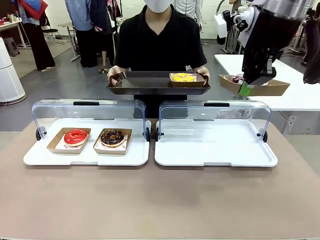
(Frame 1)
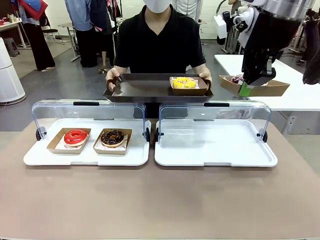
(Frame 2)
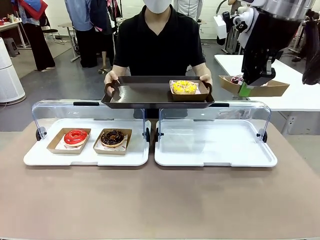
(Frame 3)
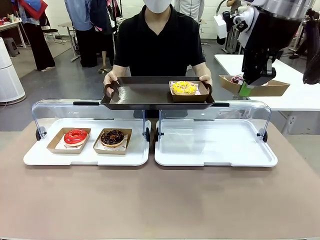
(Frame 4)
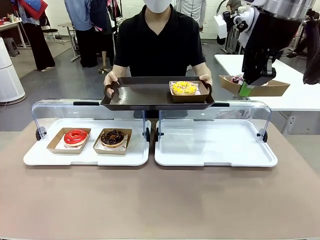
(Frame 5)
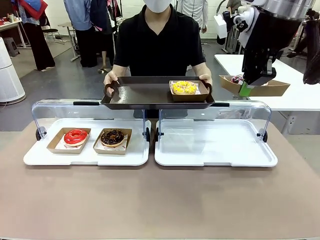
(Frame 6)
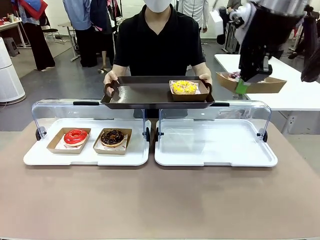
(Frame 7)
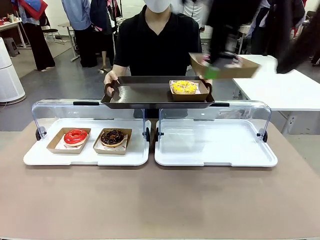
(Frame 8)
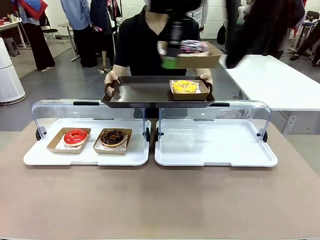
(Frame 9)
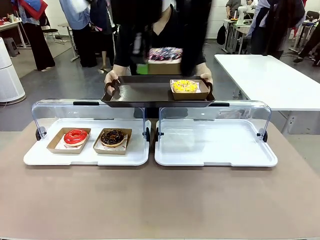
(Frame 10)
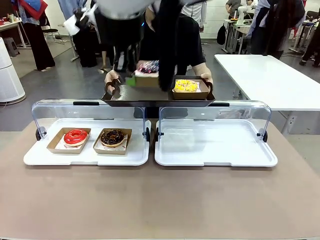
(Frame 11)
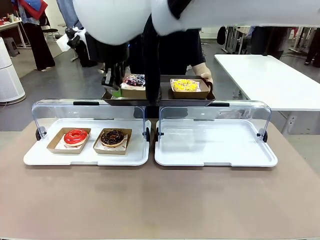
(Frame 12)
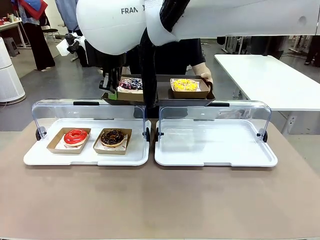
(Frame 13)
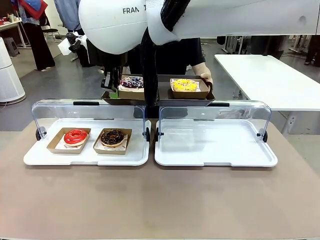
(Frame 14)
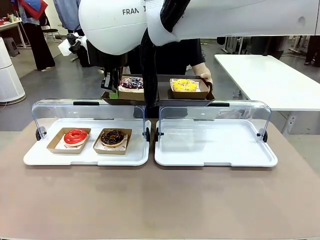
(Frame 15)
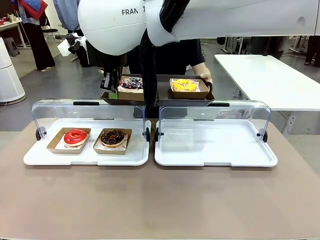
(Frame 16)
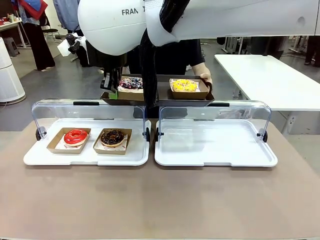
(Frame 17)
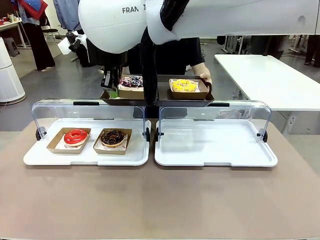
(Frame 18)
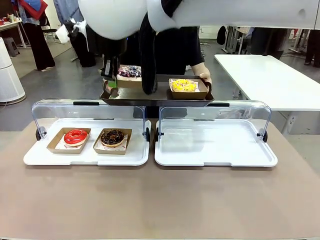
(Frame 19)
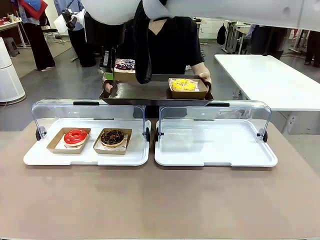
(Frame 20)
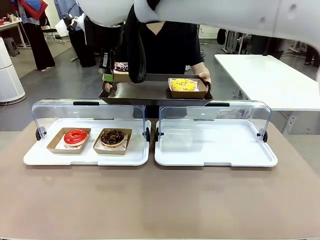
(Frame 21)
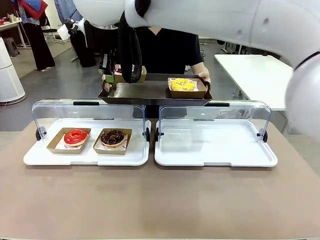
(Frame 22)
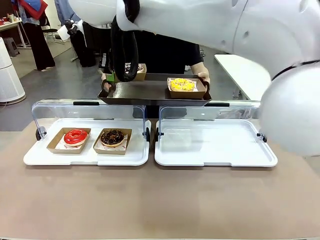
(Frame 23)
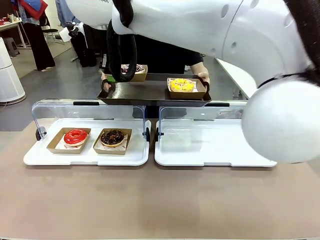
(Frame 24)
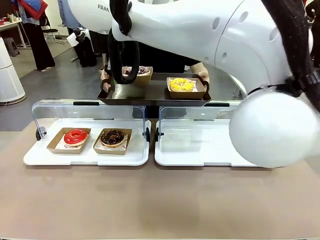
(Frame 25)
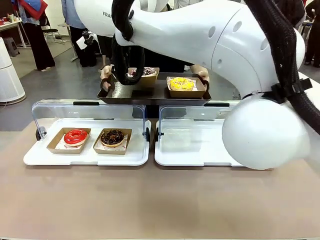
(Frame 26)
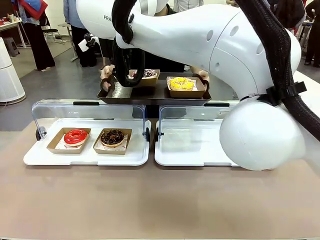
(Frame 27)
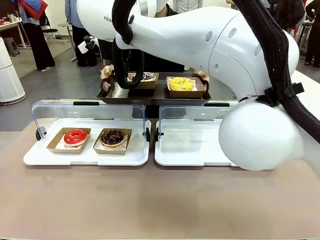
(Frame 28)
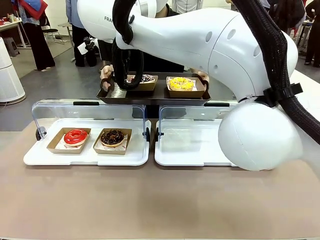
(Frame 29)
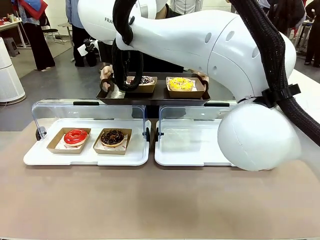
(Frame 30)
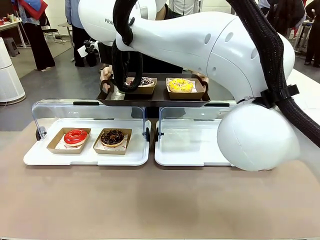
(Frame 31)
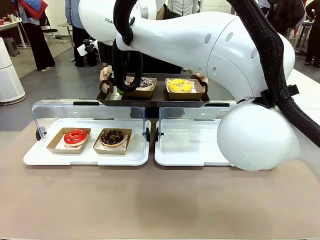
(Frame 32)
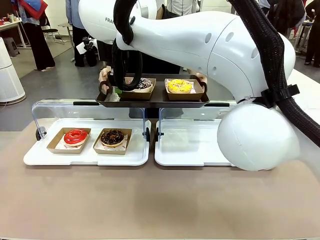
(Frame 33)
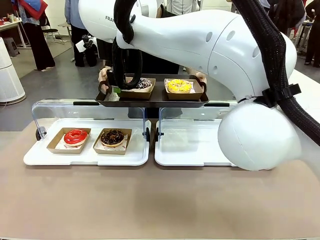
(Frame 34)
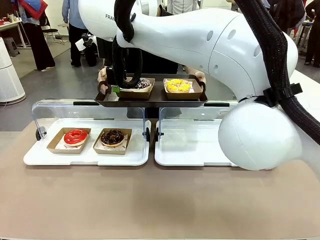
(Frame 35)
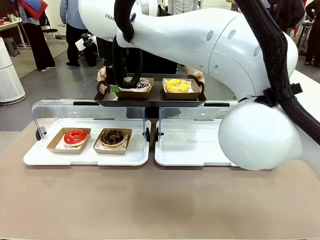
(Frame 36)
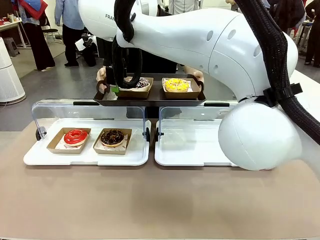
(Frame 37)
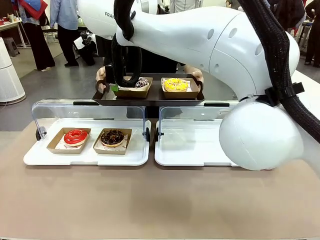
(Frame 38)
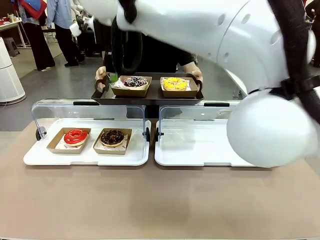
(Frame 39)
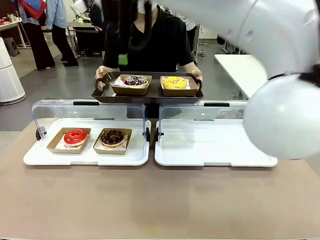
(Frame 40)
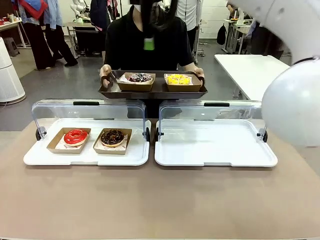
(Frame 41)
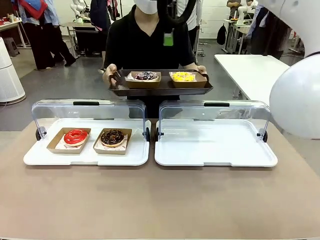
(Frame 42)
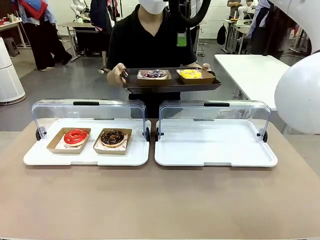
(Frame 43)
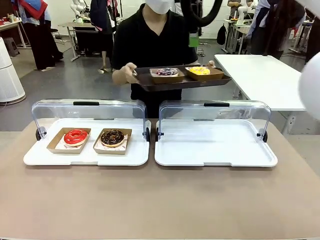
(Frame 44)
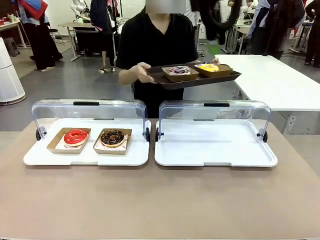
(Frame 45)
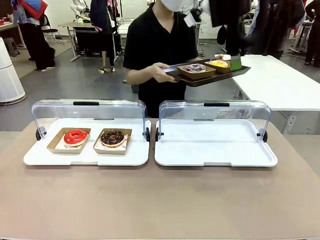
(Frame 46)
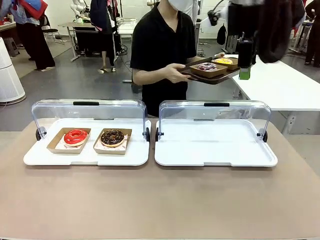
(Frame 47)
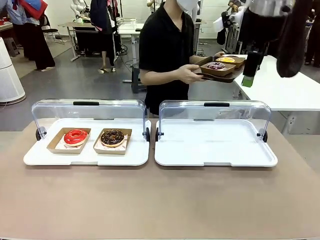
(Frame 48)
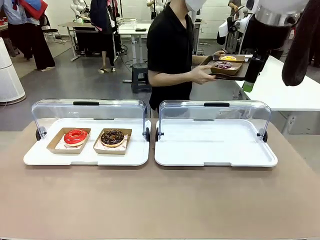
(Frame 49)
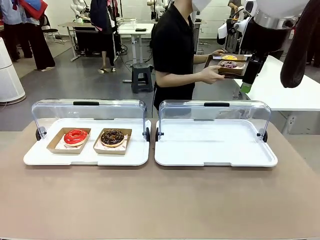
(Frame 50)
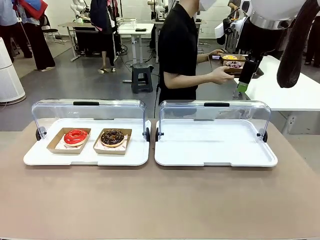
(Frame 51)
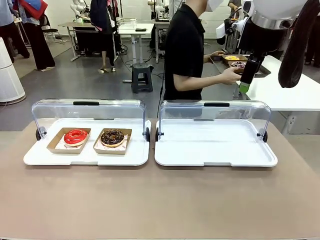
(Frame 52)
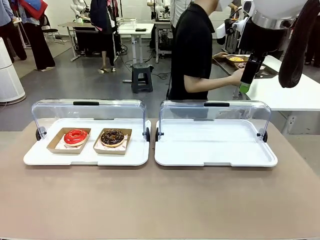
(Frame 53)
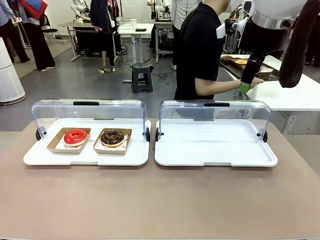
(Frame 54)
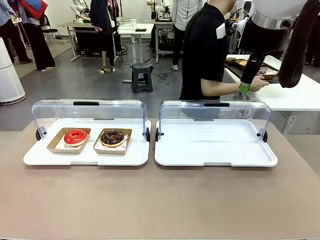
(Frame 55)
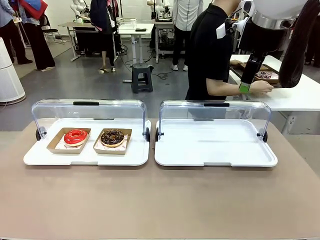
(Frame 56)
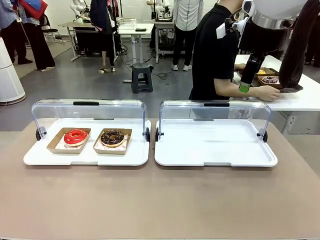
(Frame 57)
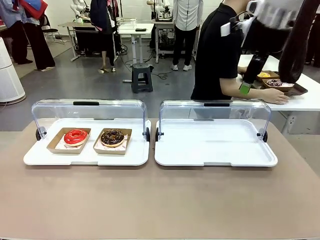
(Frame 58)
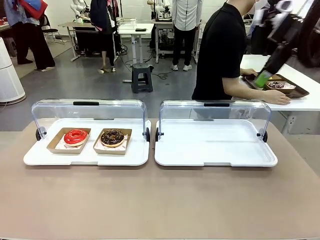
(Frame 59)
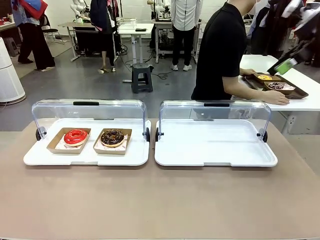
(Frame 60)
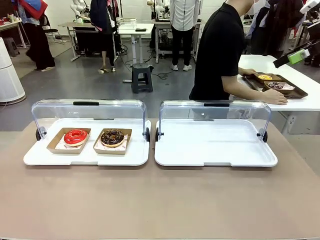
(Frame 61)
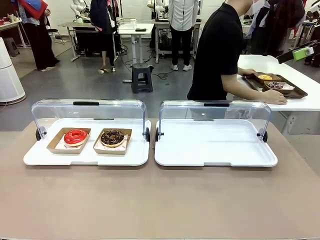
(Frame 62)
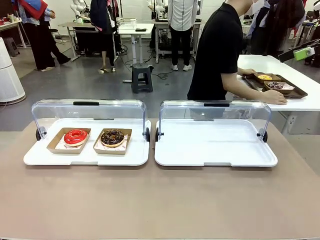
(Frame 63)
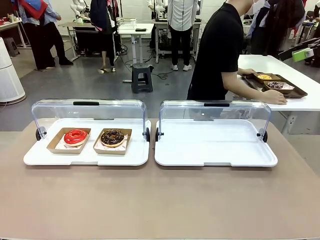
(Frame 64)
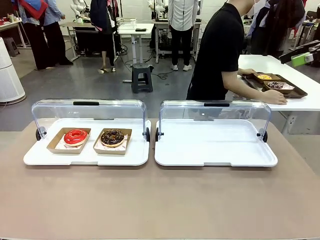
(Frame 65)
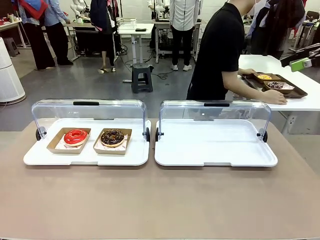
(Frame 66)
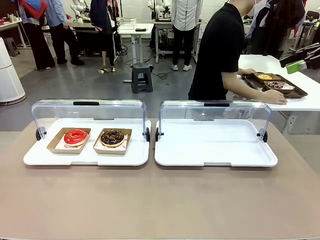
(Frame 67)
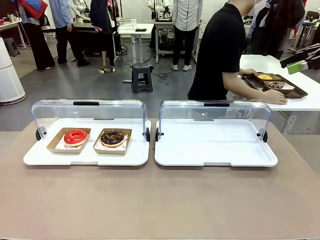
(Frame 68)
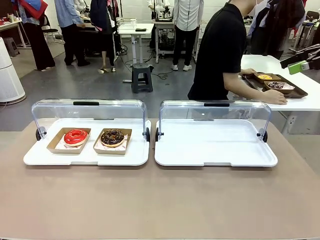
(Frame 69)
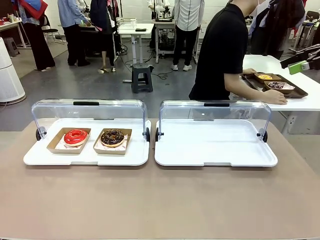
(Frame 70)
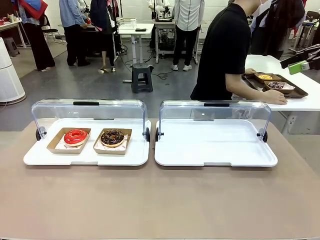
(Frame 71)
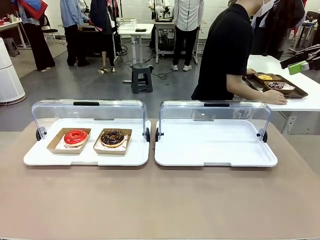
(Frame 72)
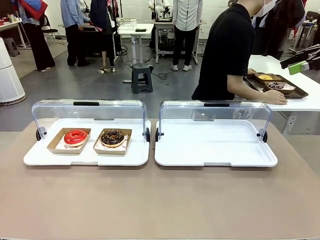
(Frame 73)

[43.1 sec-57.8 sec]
Task: Provide the desired donut to the person.
Robot: Place the picked Paper togo box onto the Handle tray extended by the person.
Person: Place the tray in the middle of the human table.
